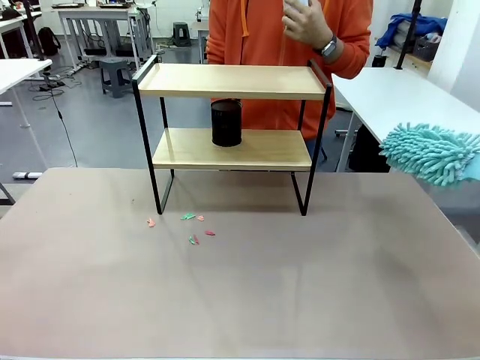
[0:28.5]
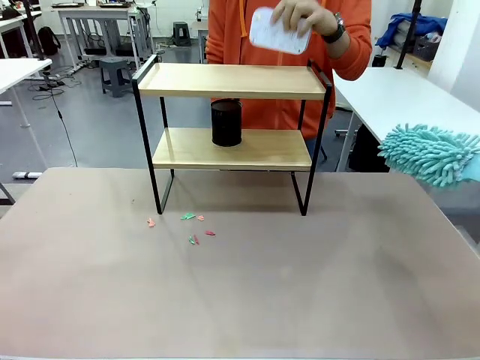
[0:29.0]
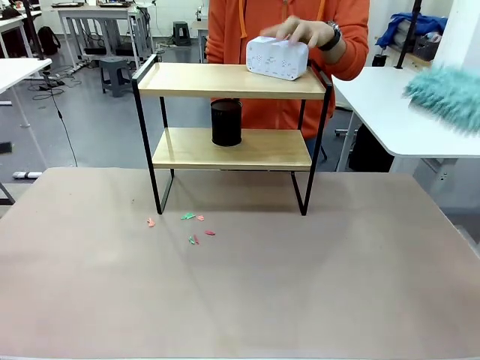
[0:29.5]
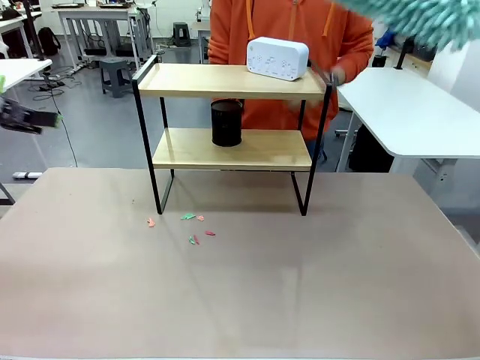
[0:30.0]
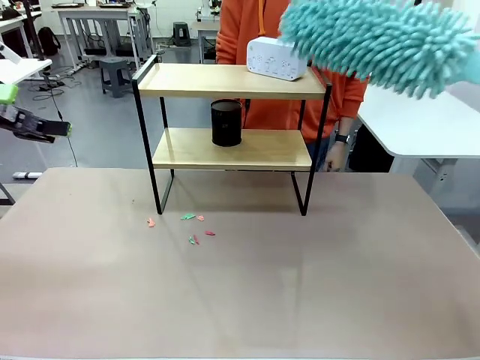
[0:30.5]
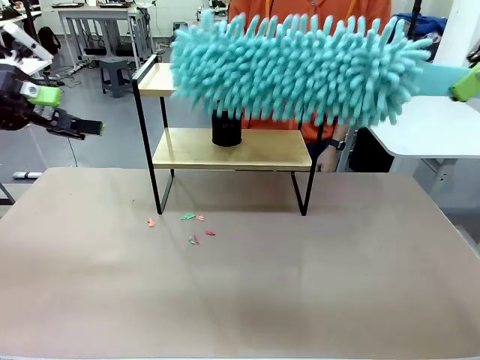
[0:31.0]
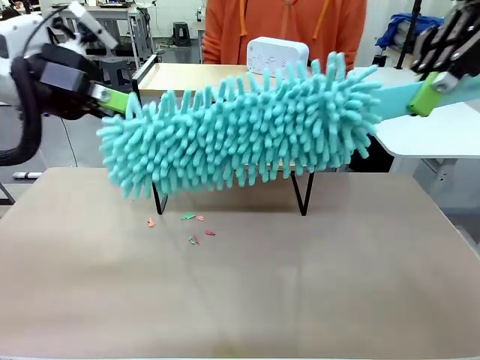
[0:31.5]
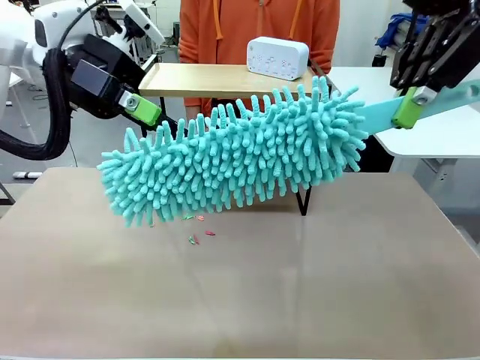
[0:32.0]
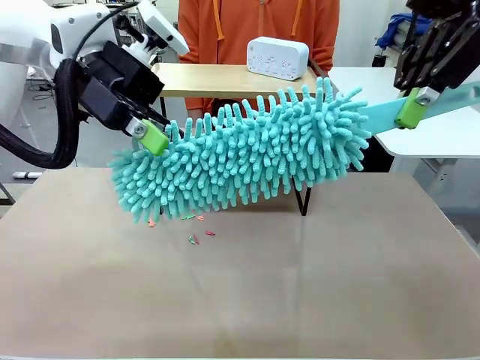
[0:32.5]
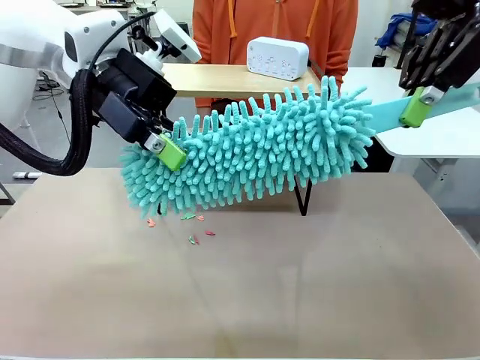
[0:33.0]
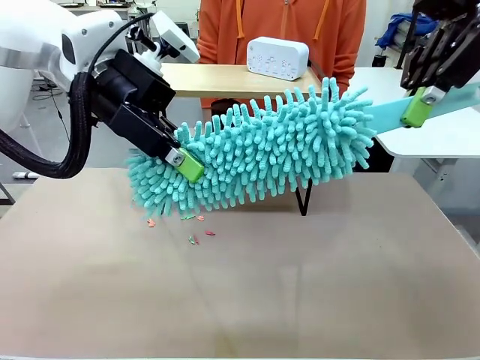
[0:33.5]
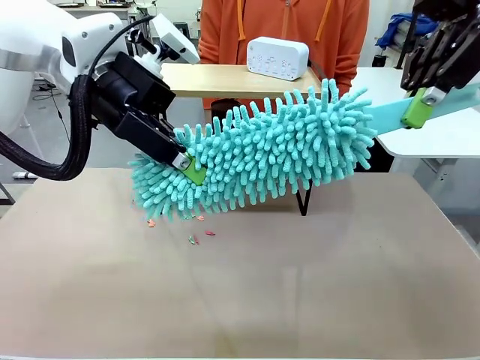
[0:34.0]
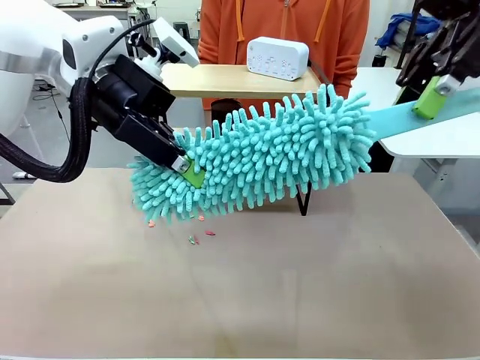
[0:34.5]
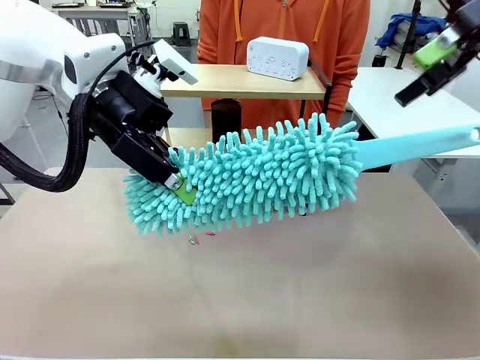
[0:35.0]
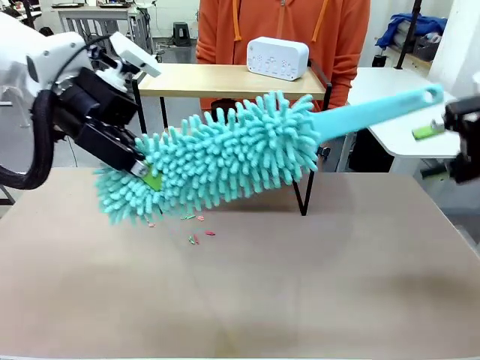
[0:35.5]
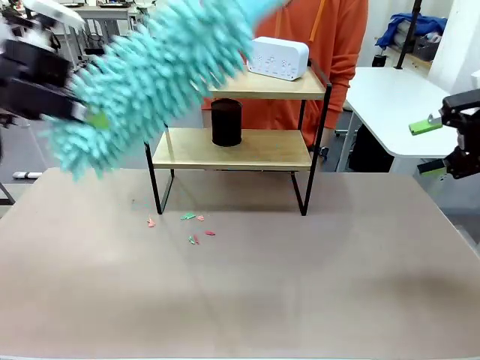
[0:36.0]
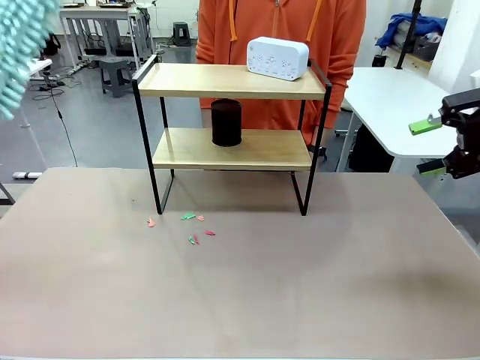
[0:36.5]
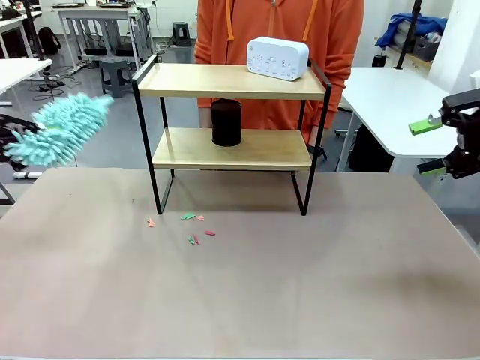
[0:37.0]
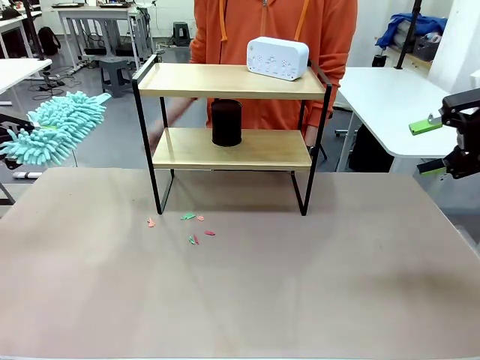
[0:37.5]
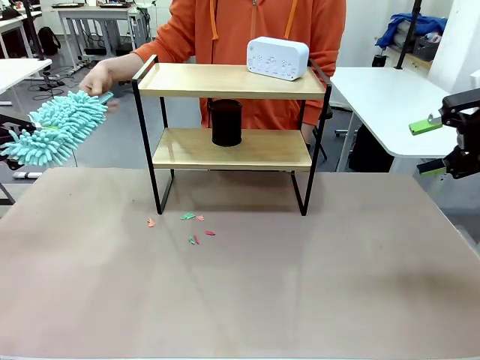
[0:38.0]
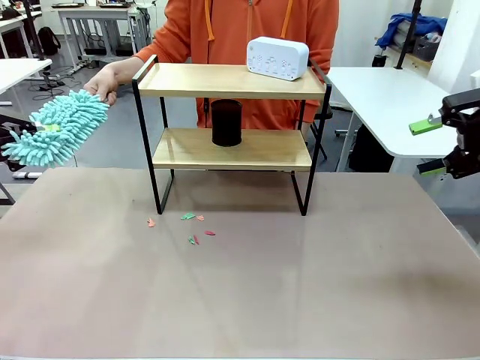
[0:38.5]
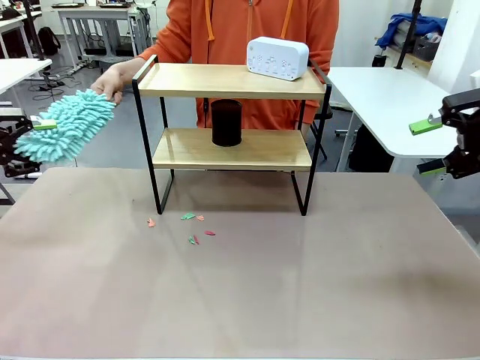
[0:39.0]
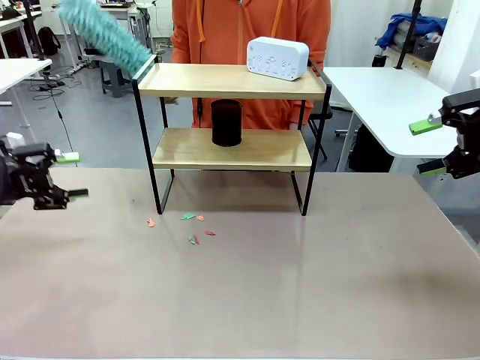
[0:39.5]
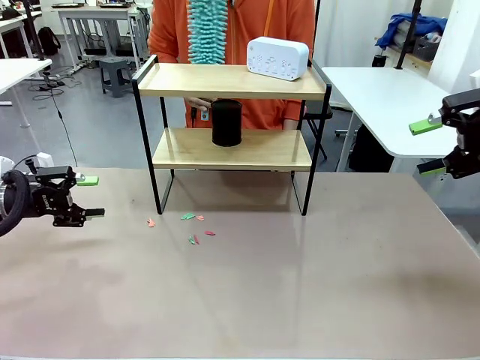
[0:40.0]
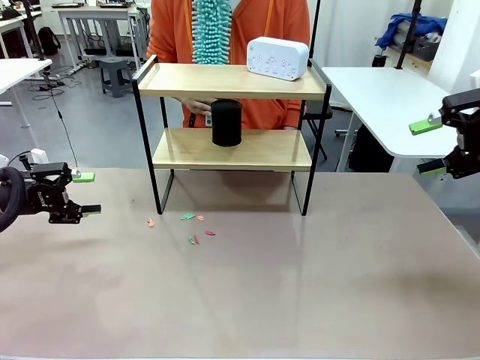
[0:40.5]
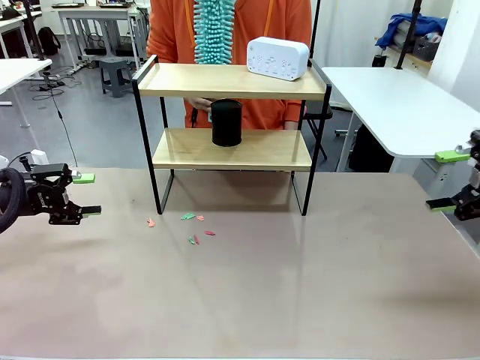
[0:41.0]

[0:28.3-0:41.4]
Task: Clean the shelf.
Robot: Hand the Duster back to the human.
Person: Receive the Duster from the robot.

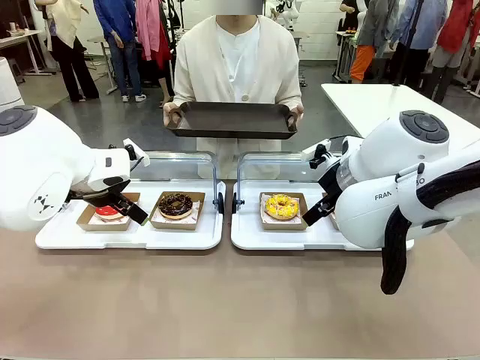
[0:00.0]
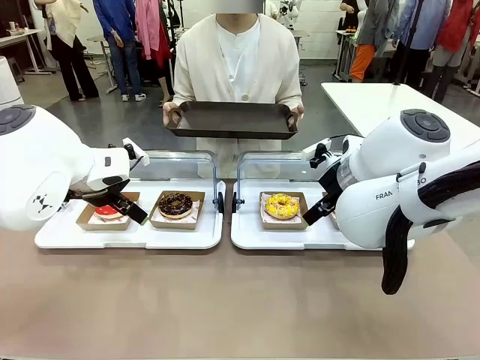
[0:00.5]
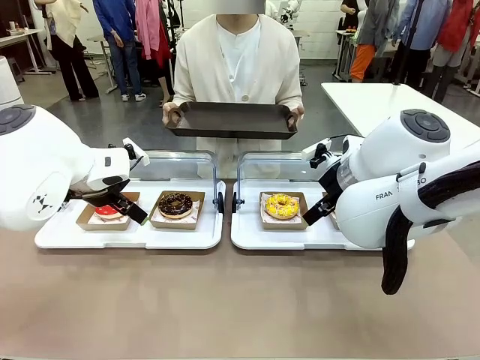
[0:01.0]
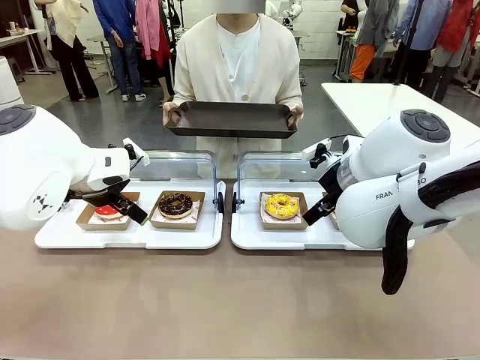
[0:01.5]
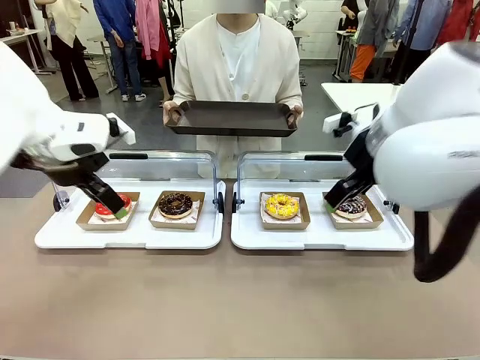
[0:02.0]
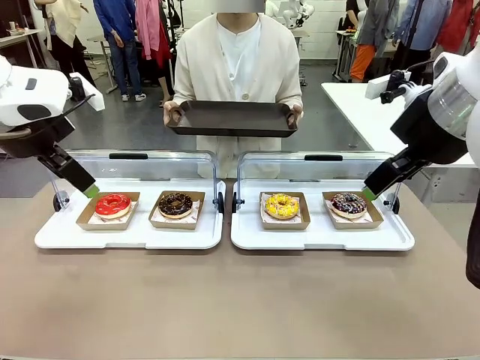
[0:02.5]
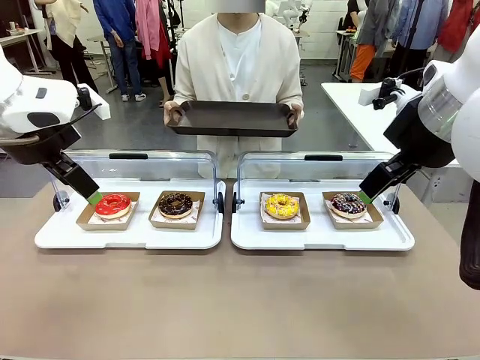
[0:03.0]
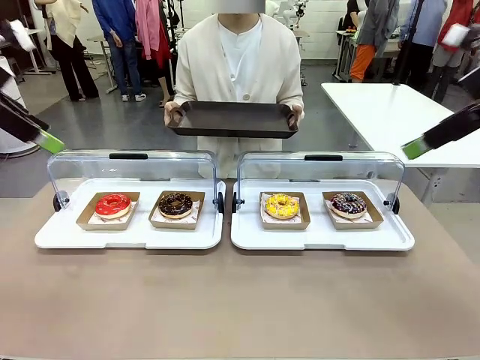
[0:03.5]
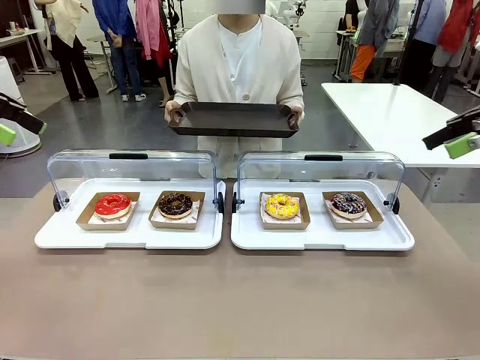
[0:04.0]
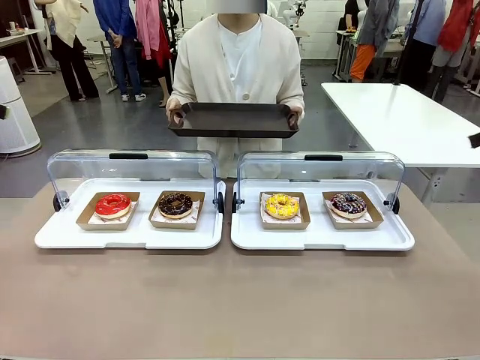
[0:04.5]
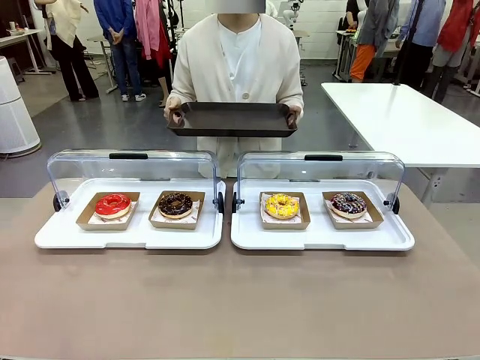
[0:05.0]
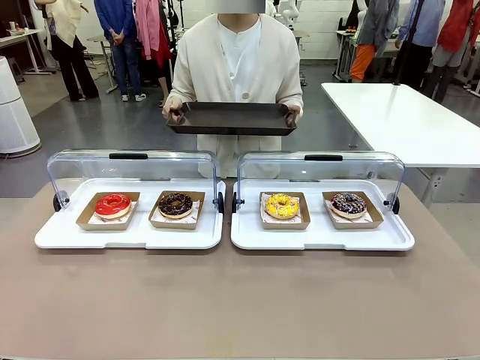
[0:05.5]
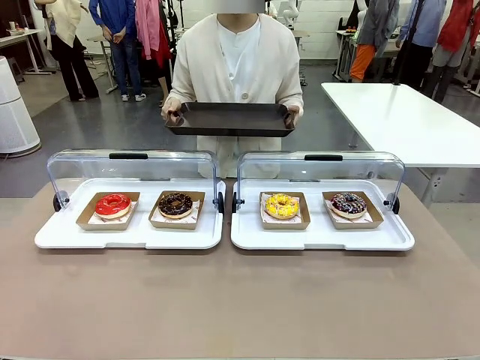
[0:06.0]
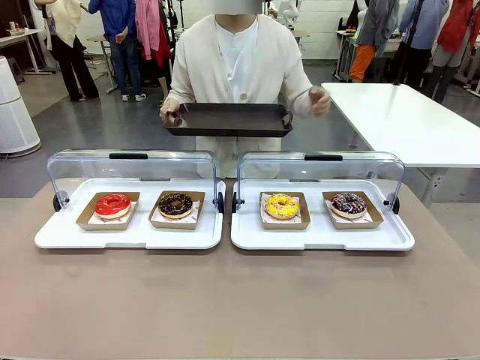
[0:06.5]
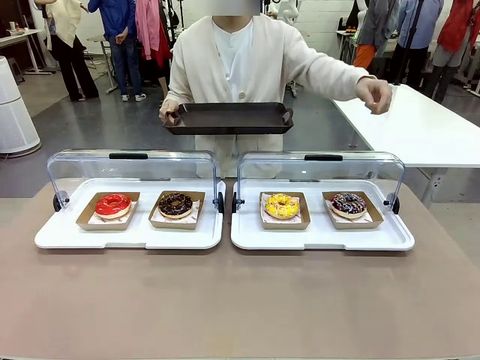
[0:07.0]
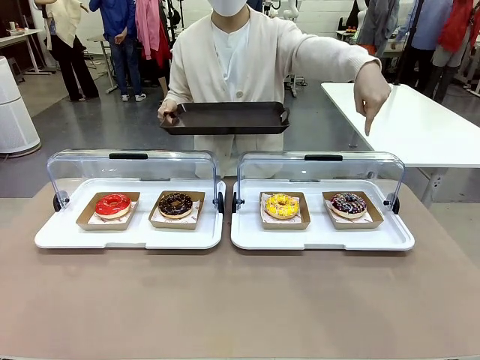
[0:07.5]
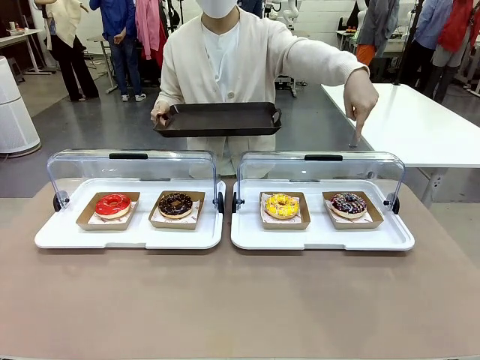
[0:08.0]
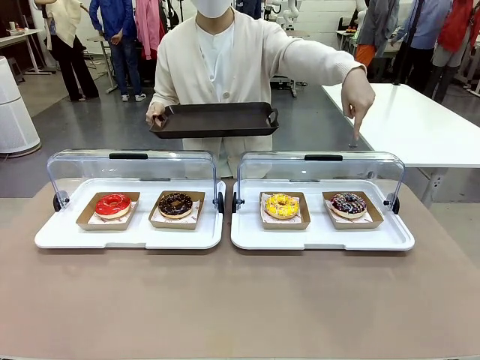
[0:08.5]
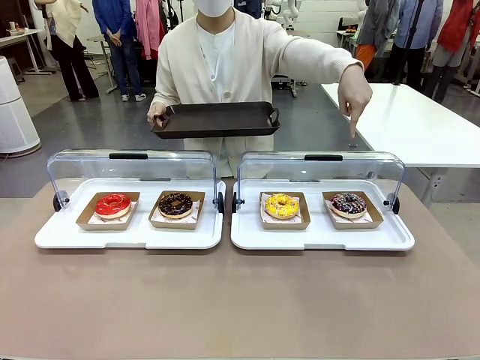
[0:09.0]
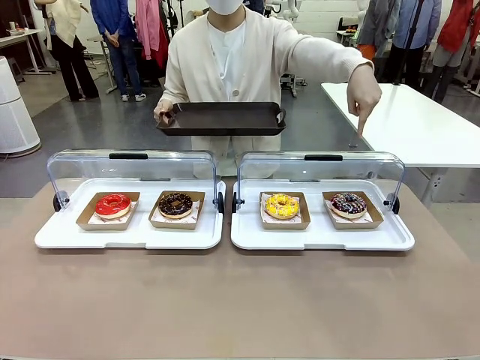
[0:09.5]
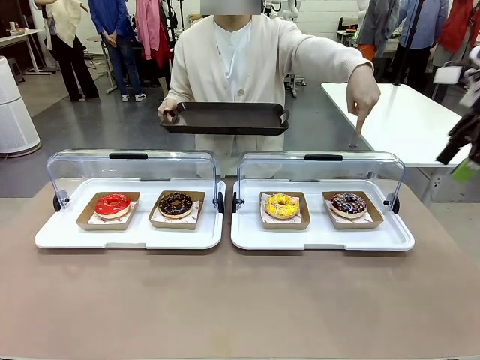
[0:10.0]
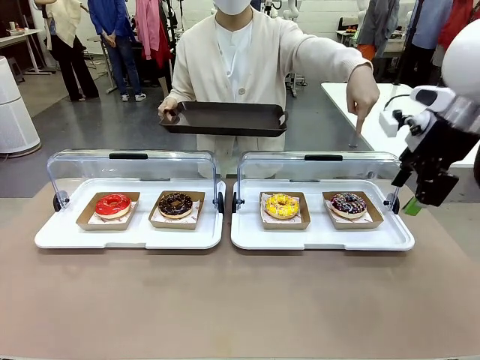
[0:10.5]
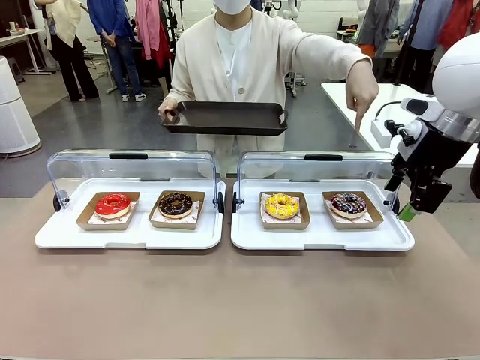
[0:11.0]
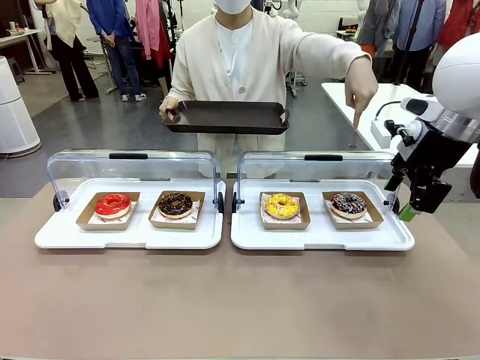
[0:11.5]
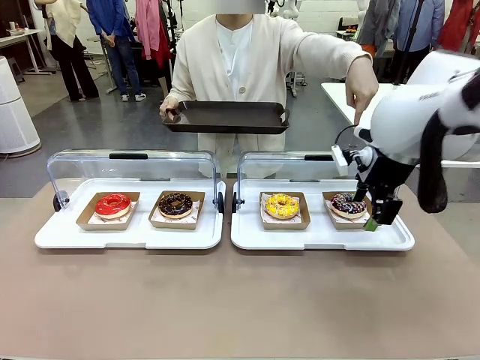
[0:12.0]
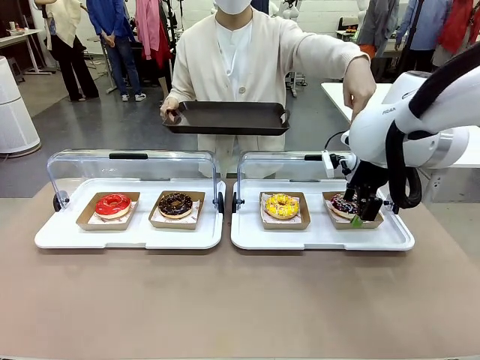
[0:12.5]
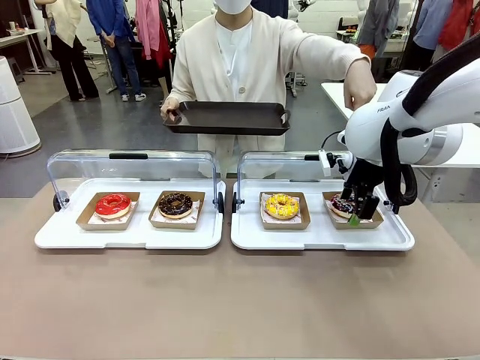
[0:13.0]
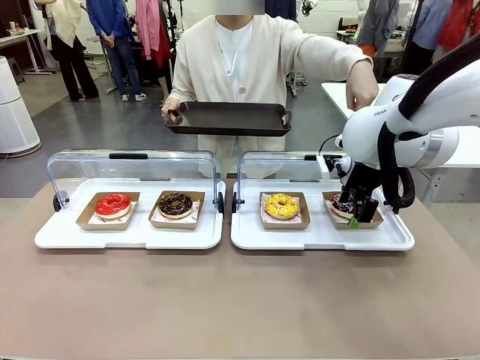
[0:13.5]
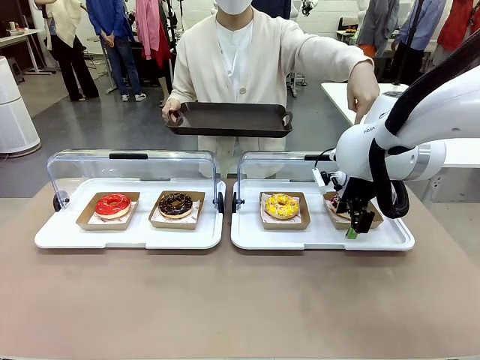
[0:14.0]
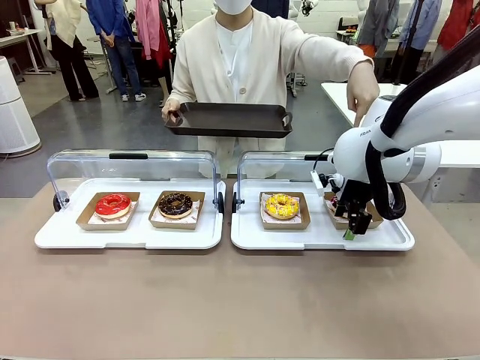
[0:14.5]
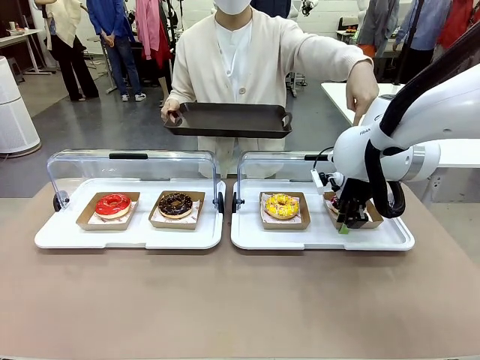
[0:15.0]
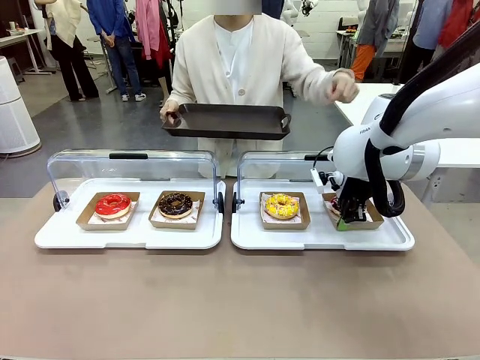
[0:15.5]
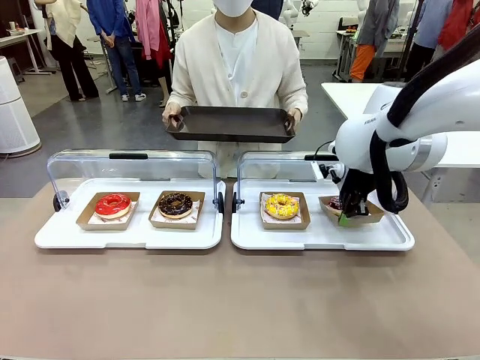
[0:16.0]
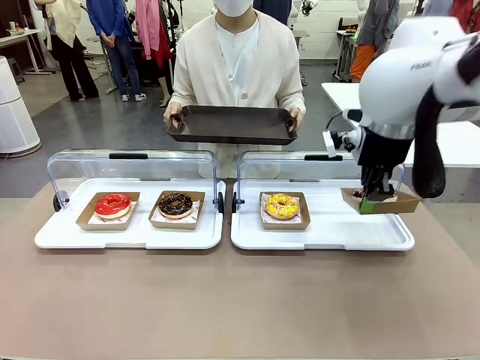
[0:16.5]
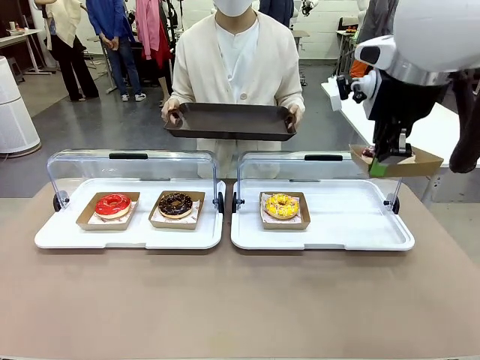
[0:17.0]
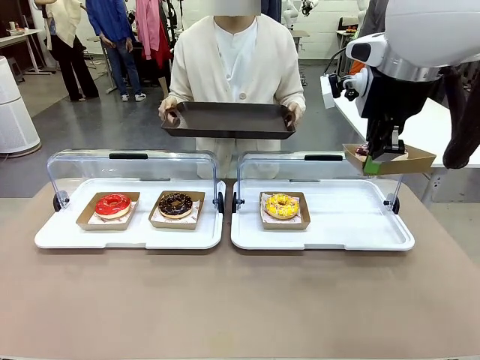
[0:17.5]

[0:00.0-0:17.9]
Task: Provide the desired donut to the person.
Robot: Pick up and lift the Paper togo box containing the Donut pointed at by the person.
Person: Point to one donut. Lift the tray onto the Roll-Top Bakery Case.
